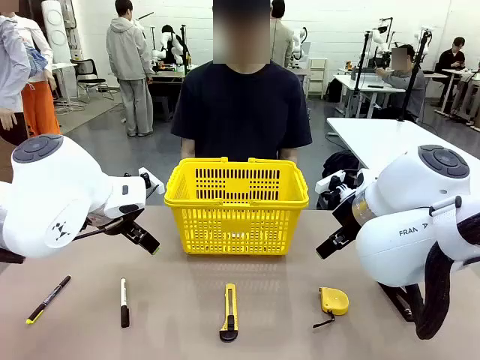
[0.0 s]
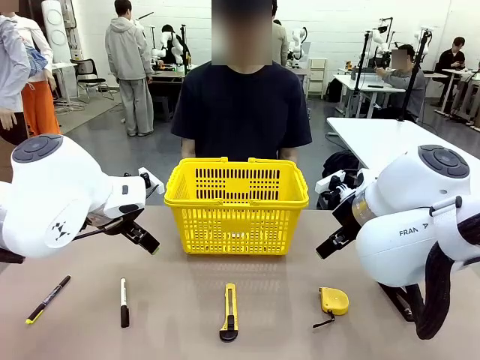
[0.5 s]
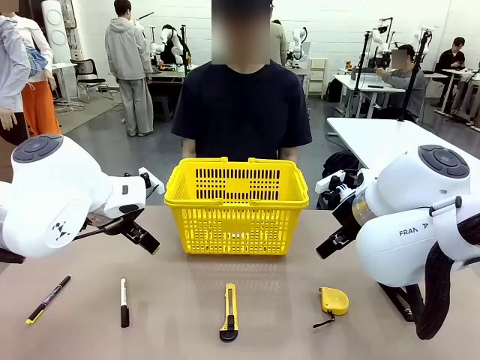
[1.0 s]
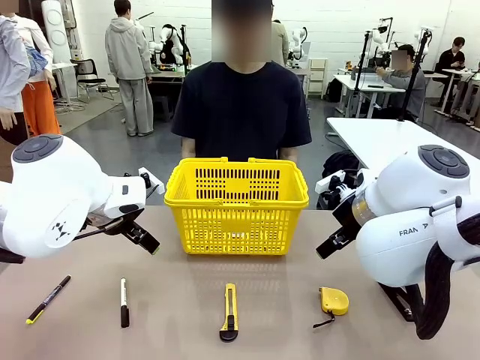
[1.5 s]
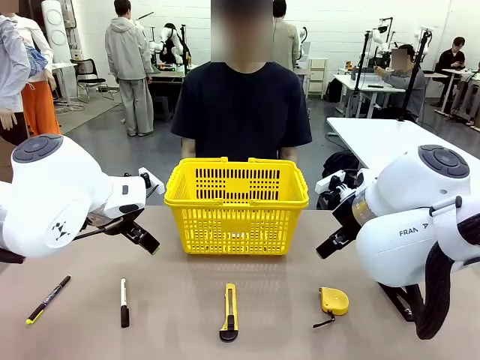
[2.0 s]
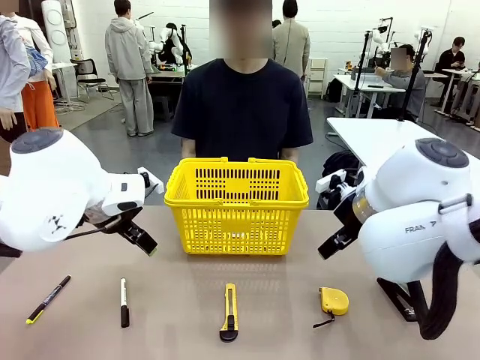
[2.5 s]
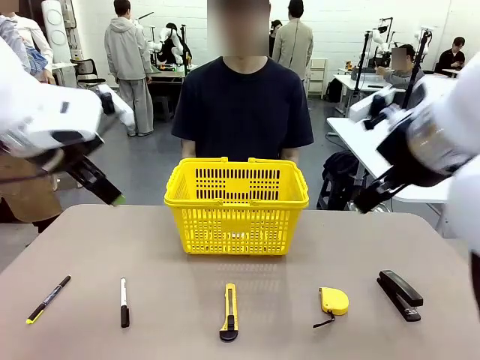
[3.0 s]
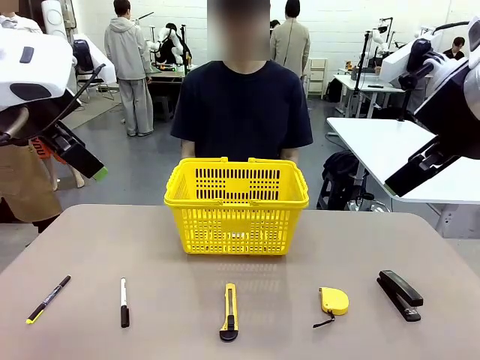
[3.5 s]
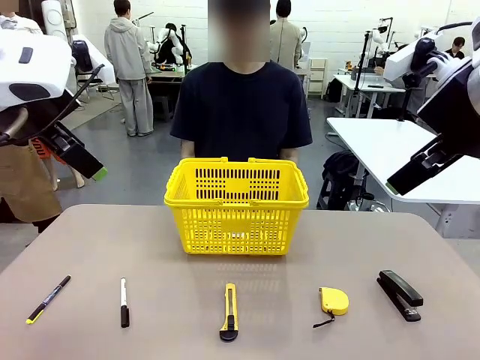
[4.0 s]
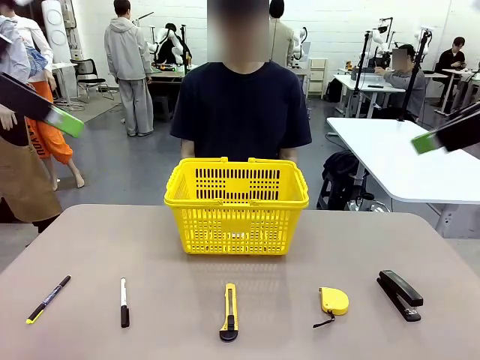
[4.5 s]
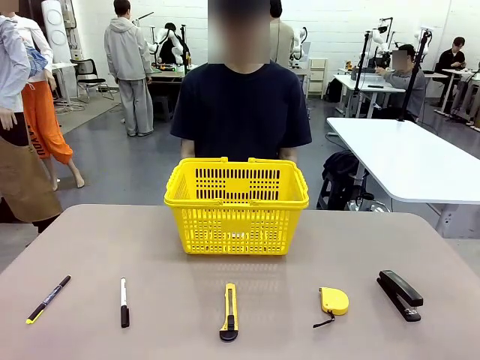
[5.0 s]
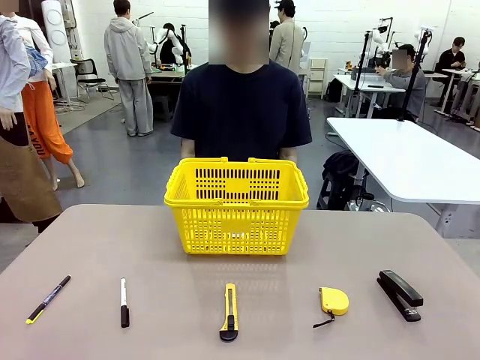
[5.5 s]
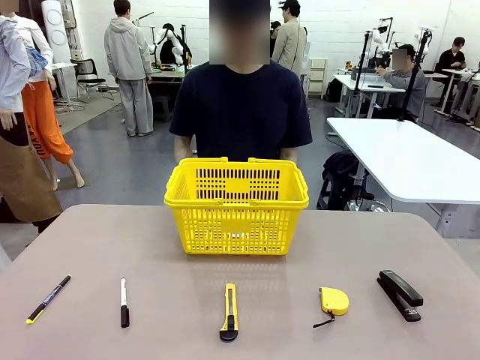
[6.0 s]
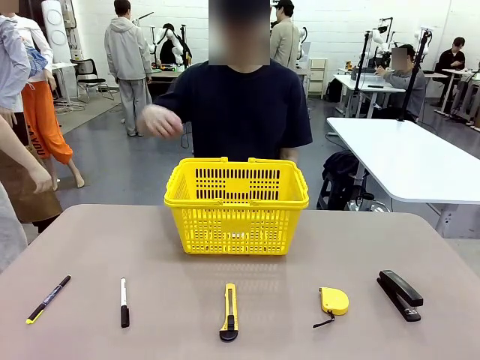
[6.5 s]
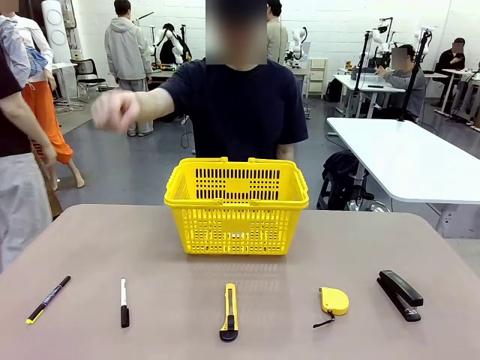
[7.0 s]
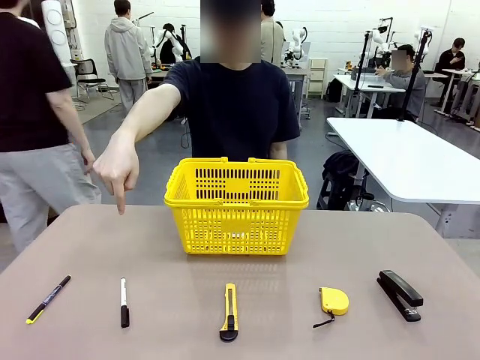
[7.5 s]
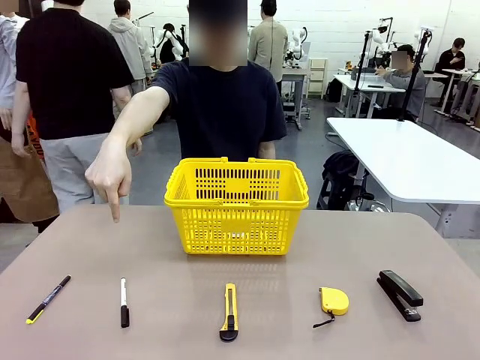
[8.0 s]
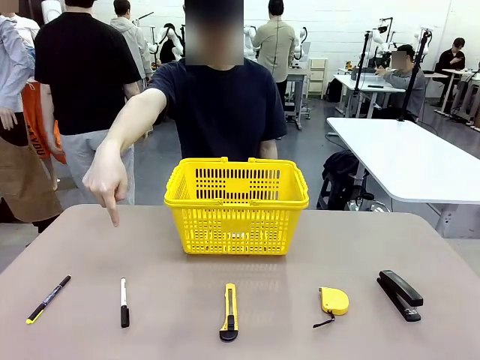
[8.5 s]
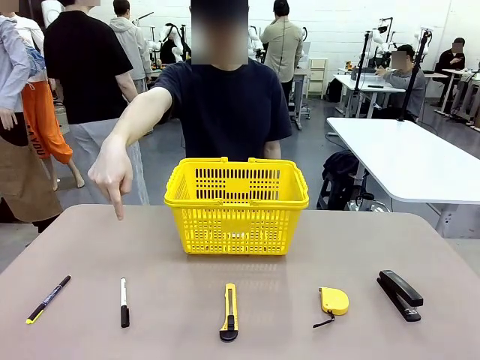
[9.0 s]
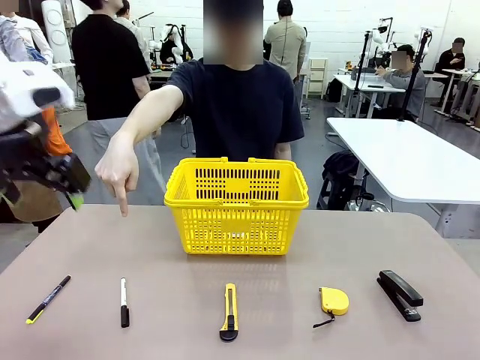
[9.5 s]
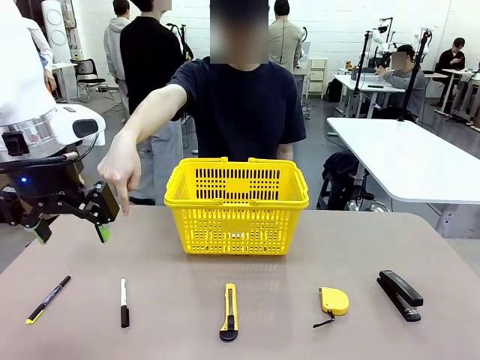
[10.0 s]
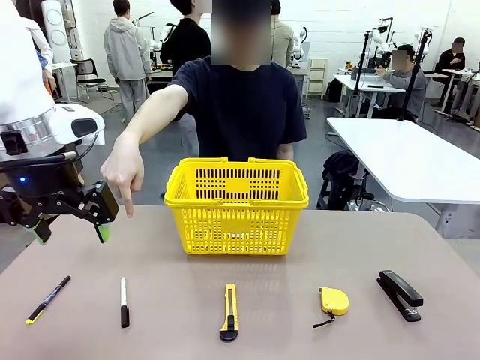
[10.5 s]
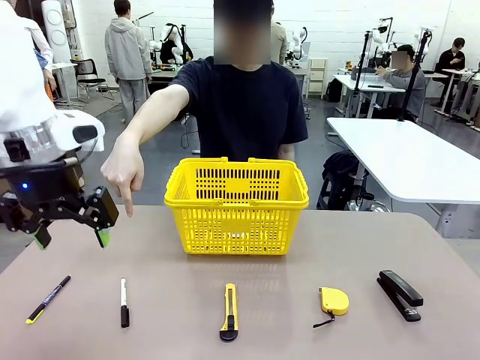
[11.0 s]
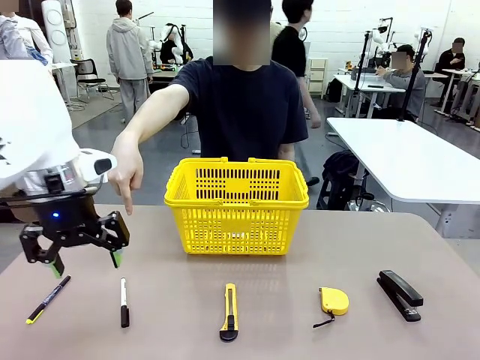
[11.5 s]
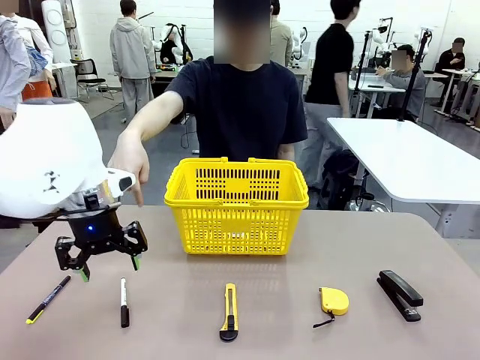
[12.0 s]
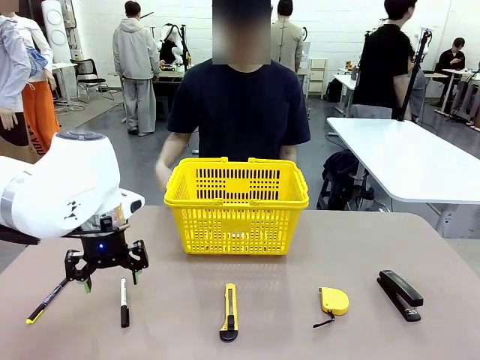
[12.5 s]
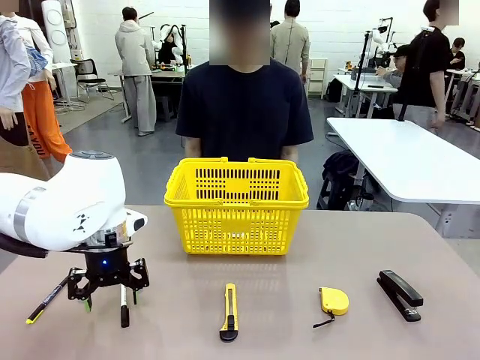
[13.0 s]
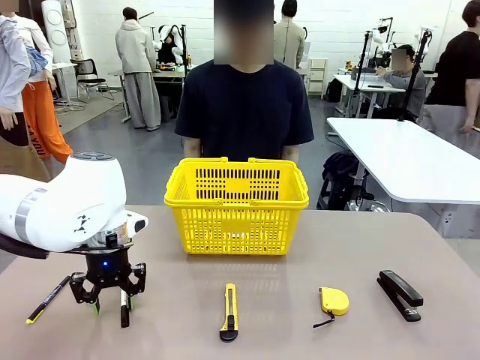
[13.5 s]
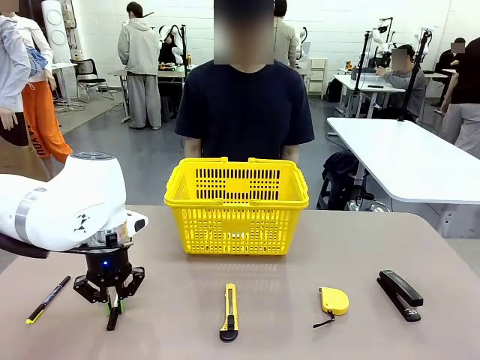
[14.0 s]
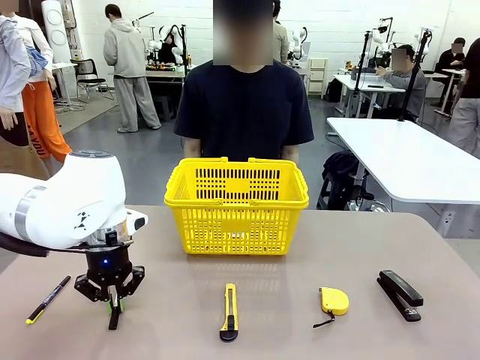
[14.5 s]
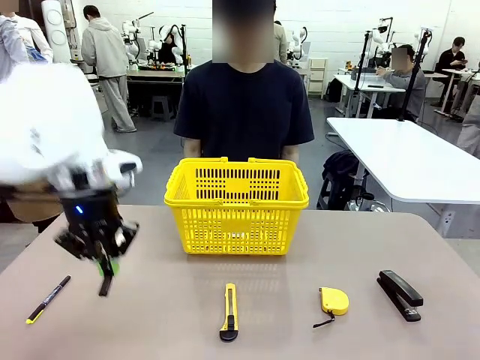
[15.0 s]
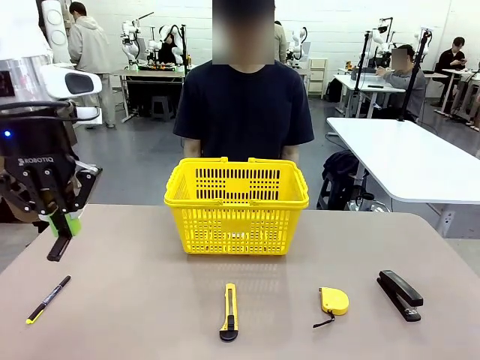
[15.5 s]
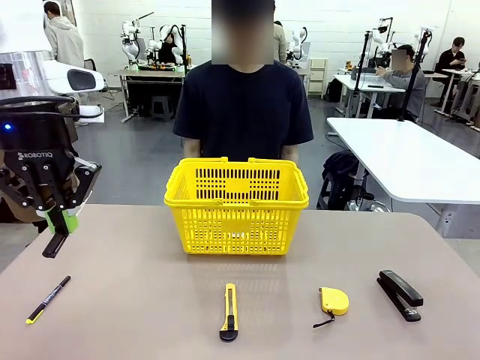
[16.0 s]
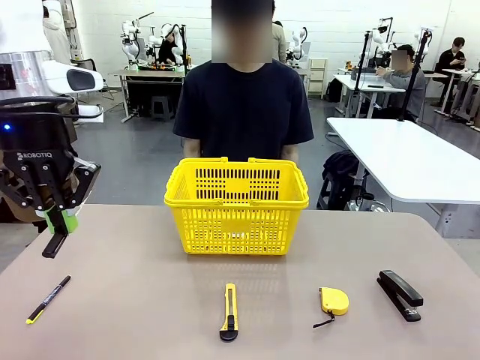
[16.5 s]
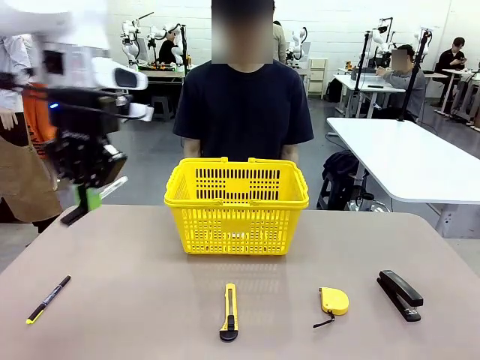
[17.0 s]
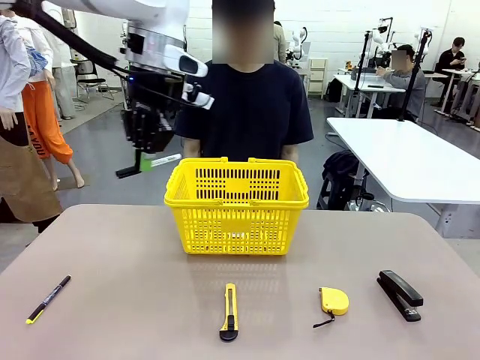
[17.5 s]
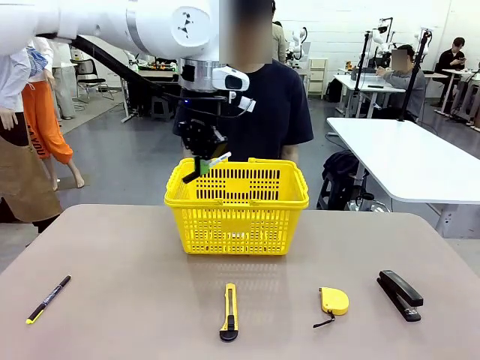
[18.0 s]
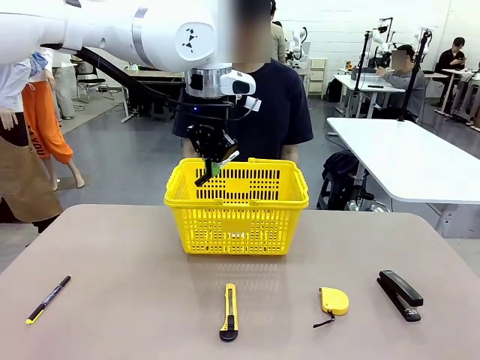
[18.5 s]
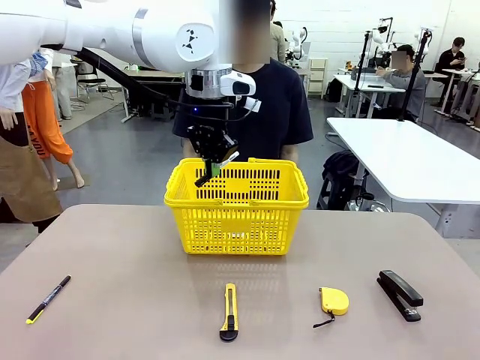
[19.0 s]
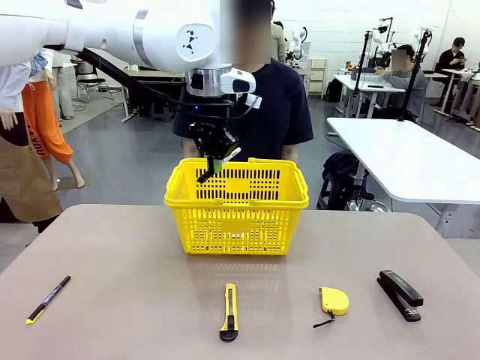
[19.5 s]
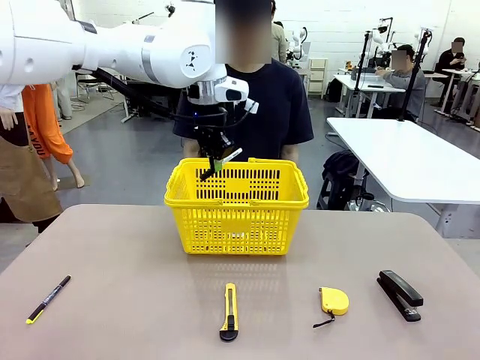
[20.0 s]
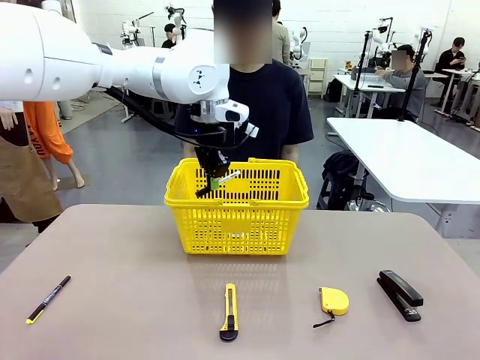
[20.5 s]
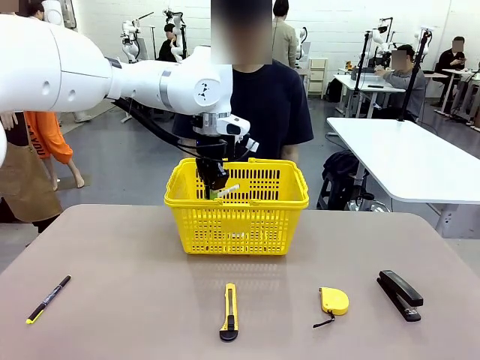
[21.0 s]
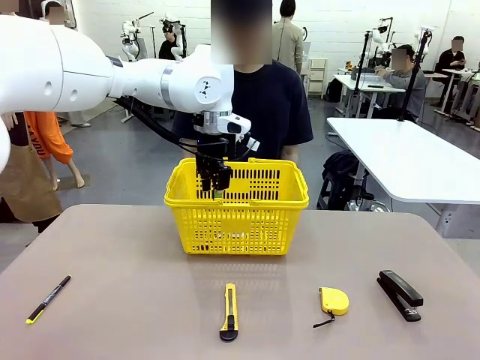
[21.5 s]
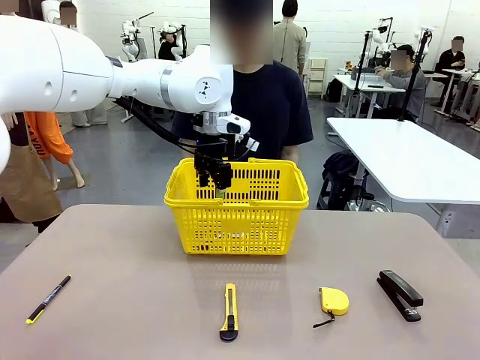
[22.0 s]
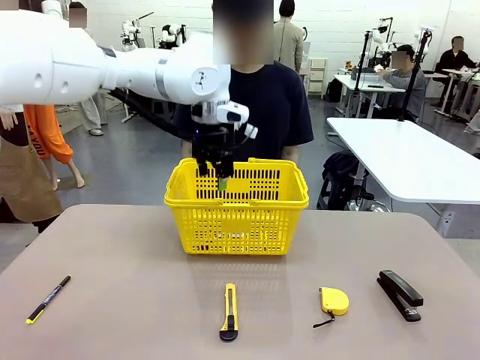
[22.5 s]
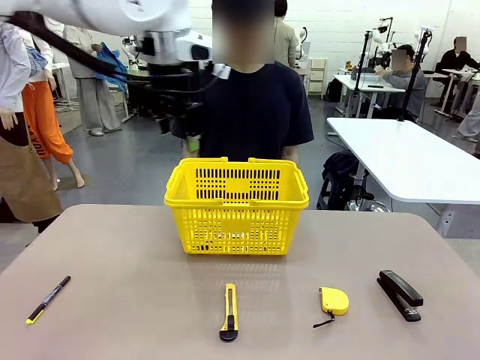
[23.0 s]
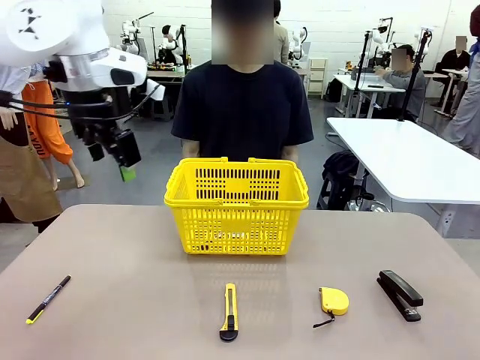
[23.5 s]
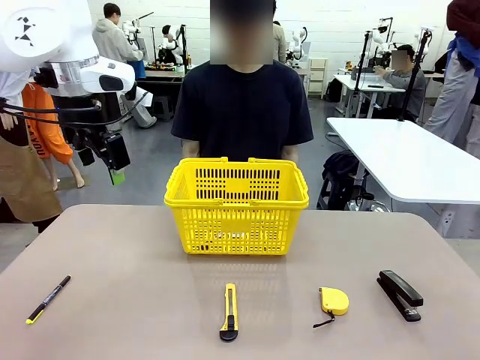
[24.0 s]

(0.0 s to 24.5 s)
Task: Place the items the person wants into the basket.
Robot: Pick up the item the person points to and place it in the Market Basket.
